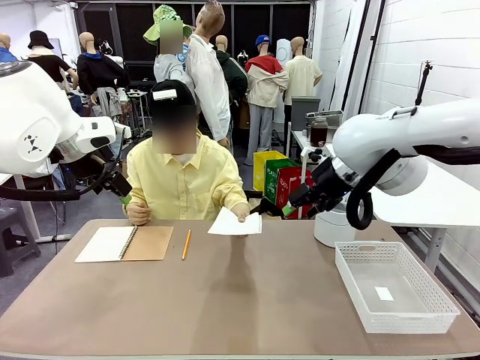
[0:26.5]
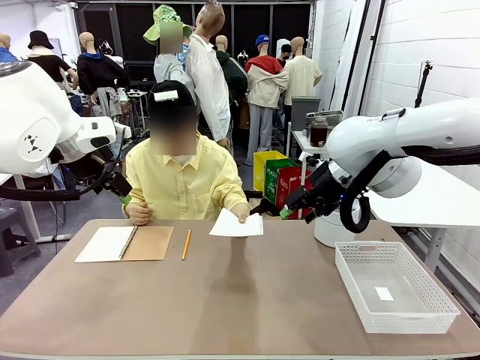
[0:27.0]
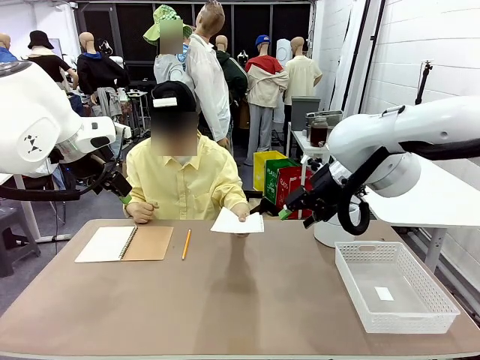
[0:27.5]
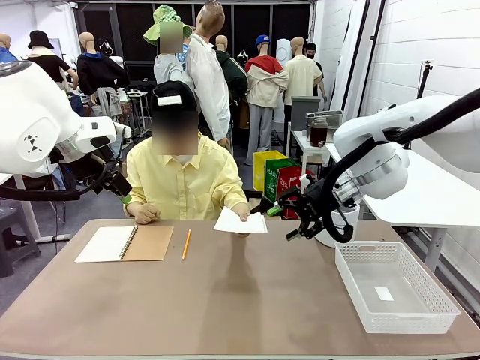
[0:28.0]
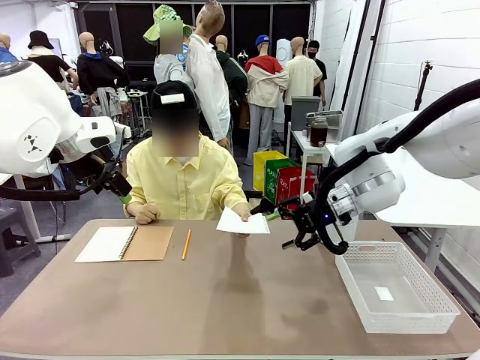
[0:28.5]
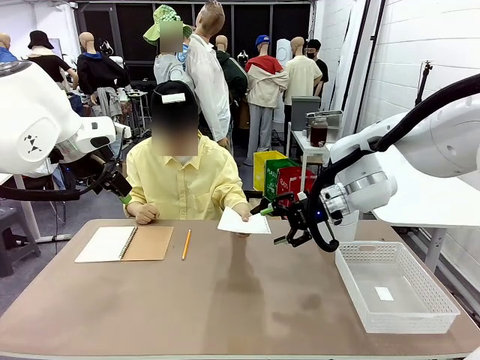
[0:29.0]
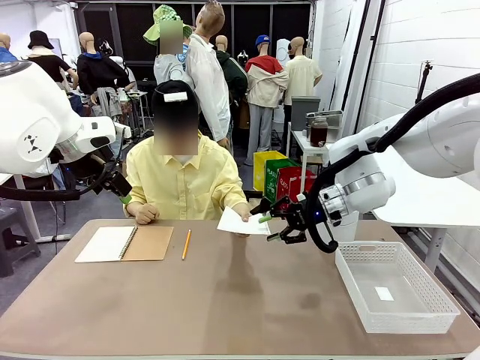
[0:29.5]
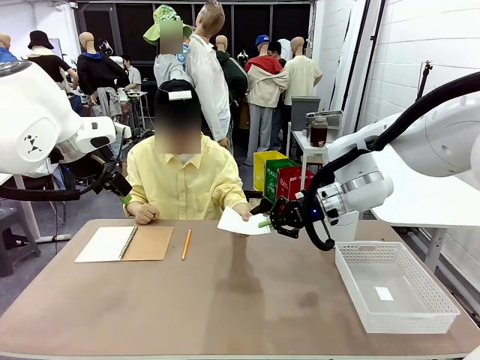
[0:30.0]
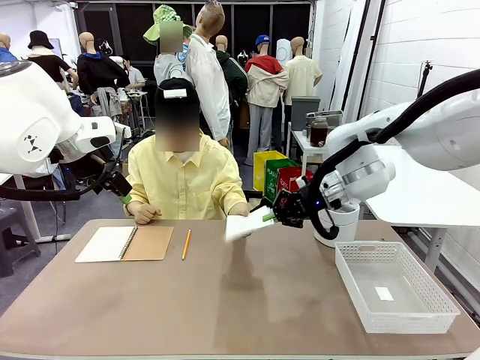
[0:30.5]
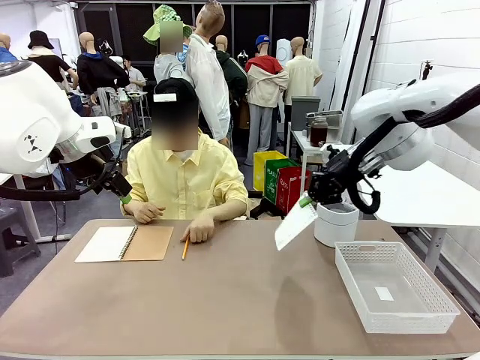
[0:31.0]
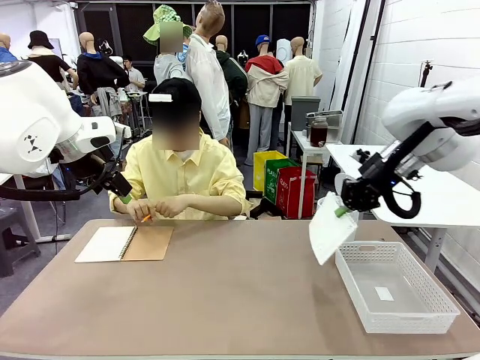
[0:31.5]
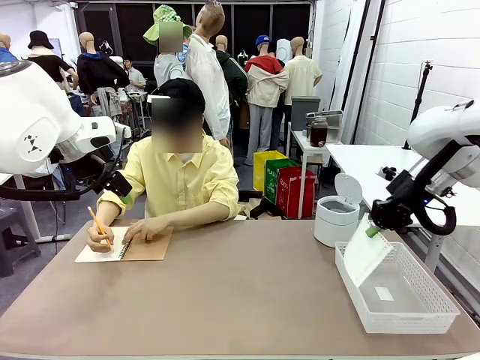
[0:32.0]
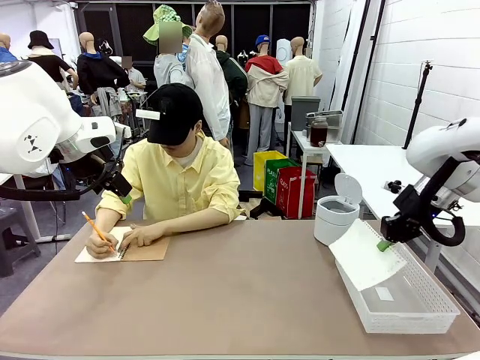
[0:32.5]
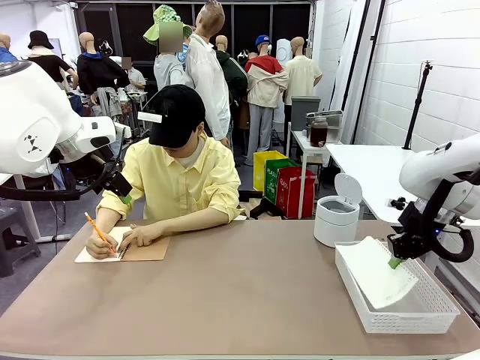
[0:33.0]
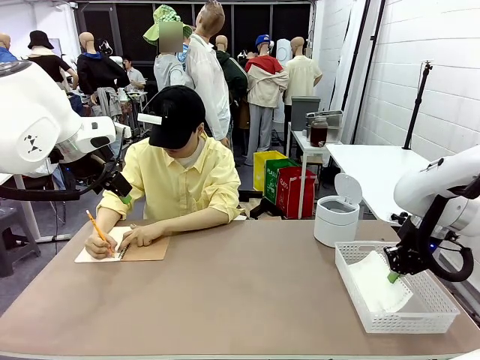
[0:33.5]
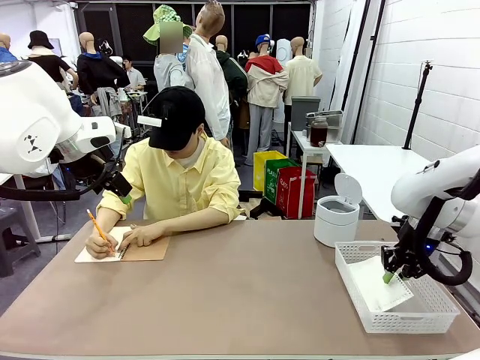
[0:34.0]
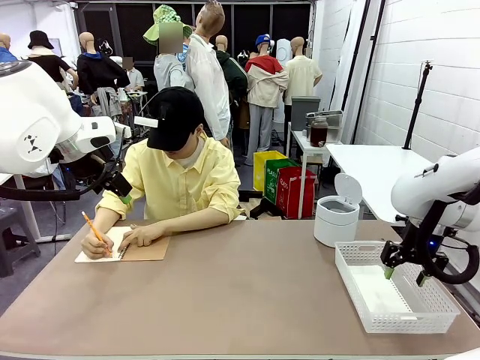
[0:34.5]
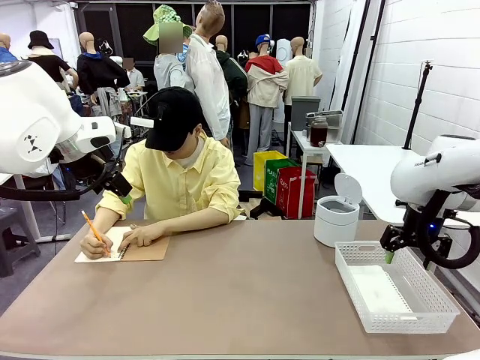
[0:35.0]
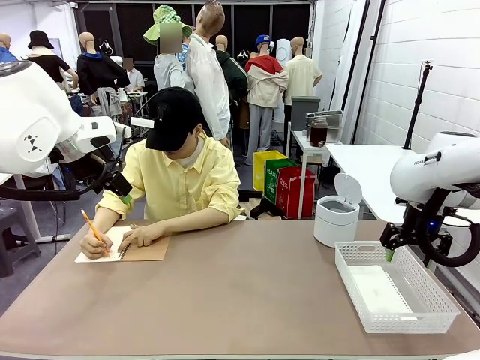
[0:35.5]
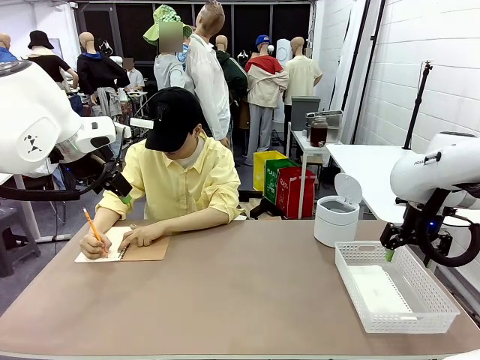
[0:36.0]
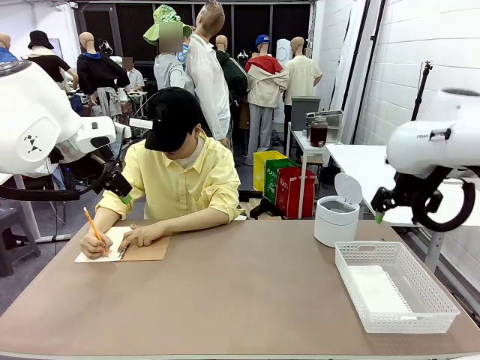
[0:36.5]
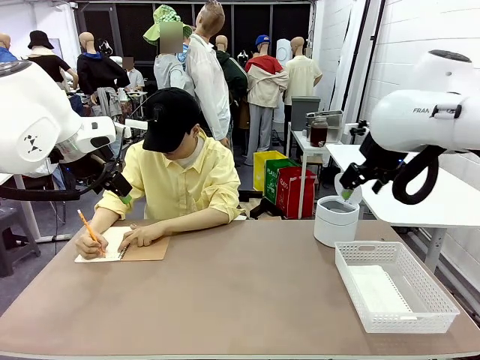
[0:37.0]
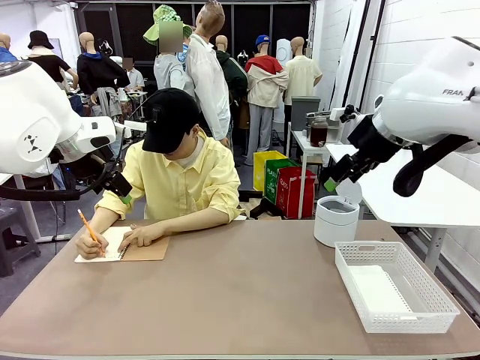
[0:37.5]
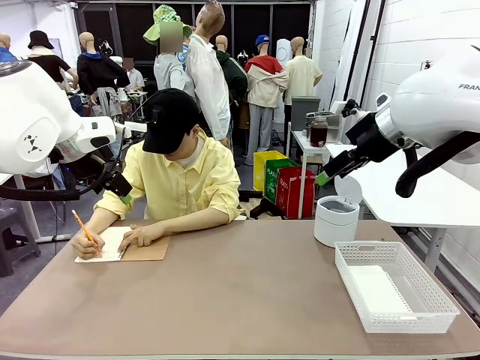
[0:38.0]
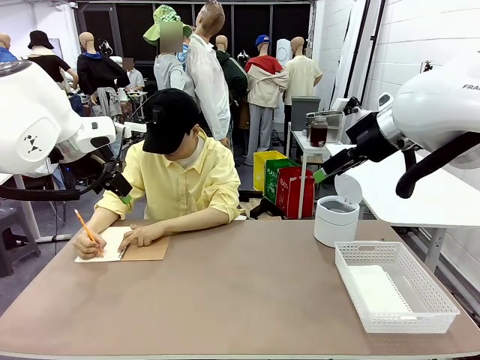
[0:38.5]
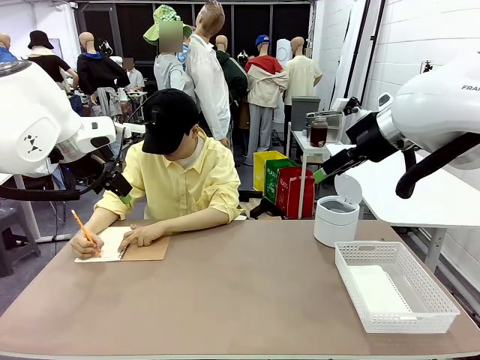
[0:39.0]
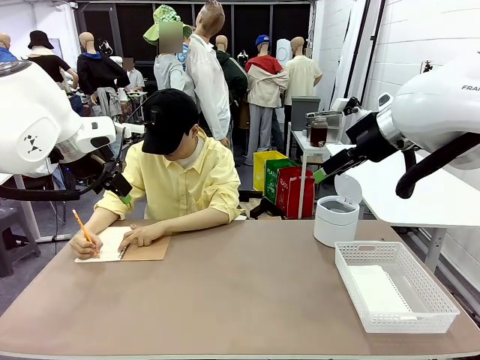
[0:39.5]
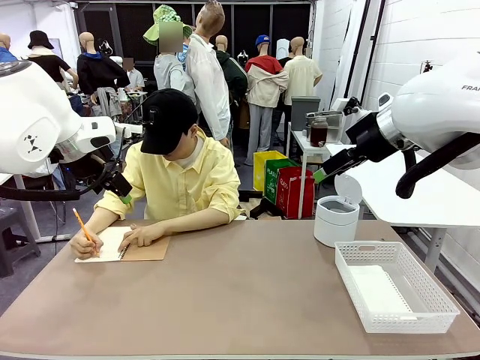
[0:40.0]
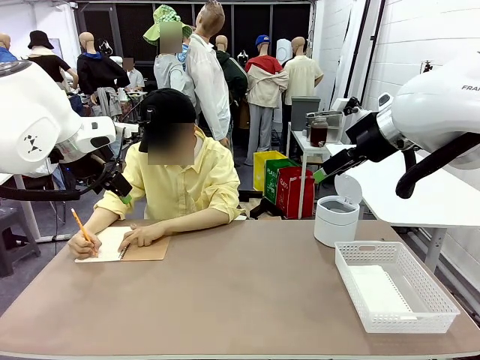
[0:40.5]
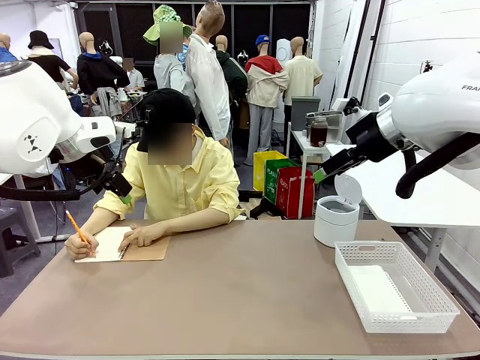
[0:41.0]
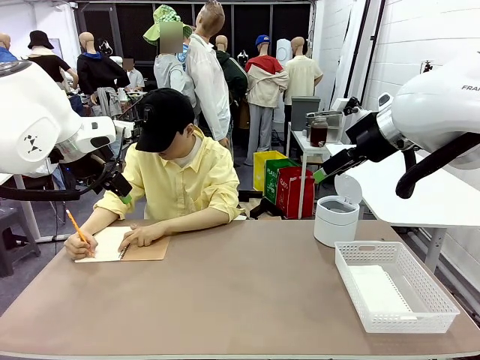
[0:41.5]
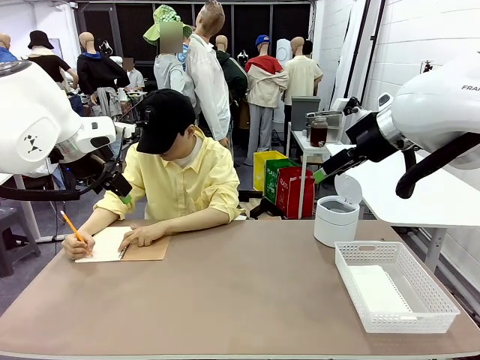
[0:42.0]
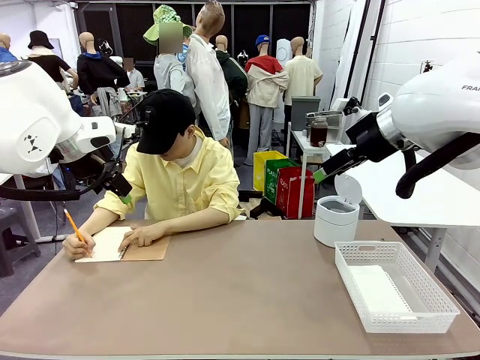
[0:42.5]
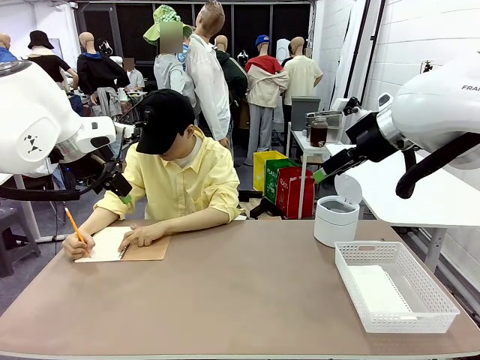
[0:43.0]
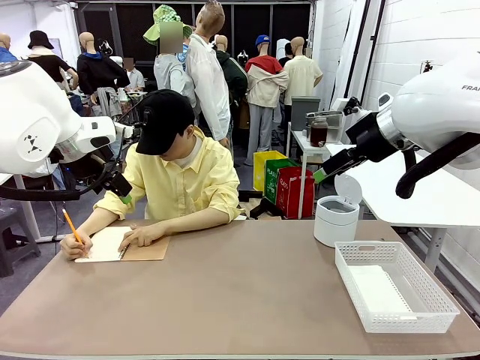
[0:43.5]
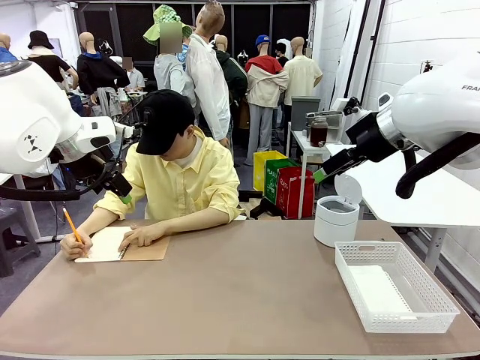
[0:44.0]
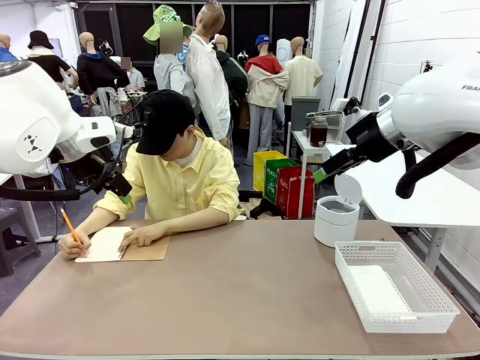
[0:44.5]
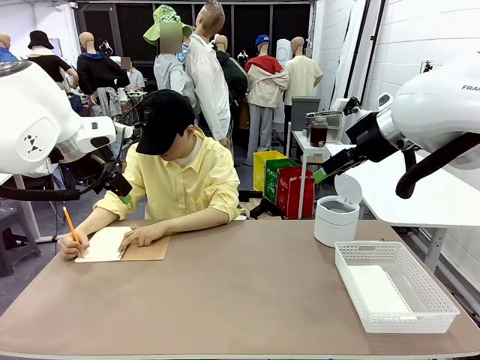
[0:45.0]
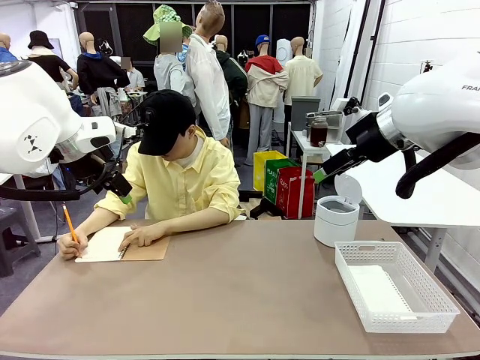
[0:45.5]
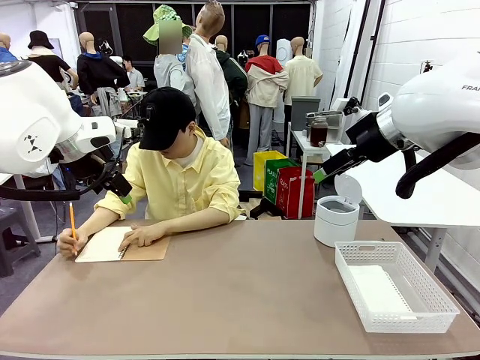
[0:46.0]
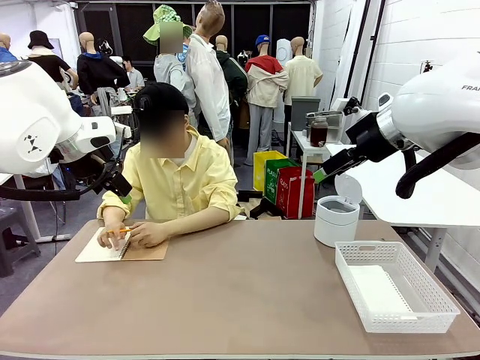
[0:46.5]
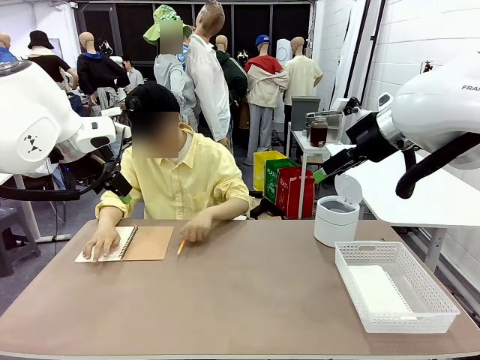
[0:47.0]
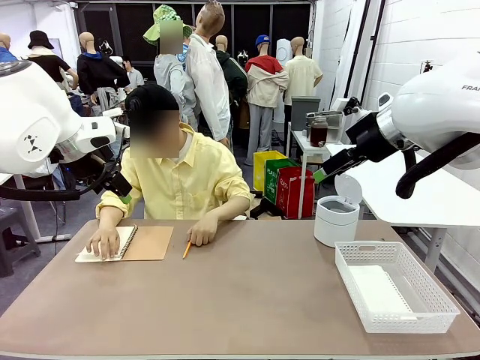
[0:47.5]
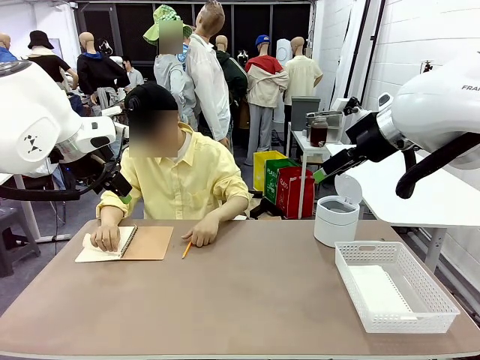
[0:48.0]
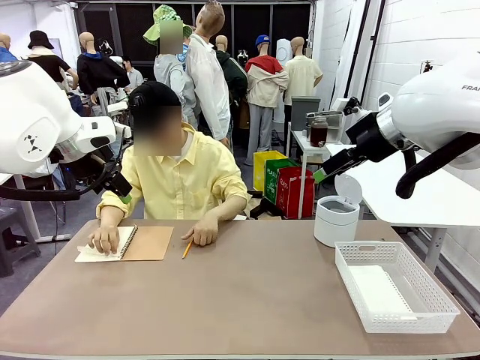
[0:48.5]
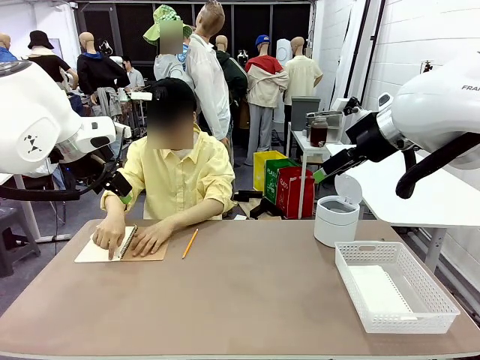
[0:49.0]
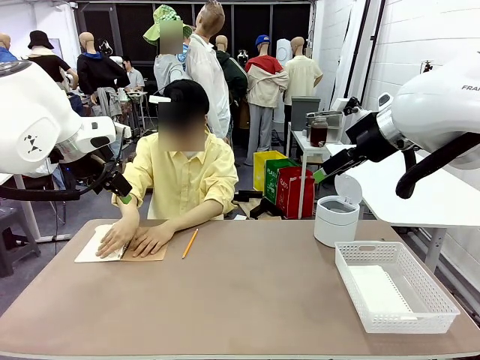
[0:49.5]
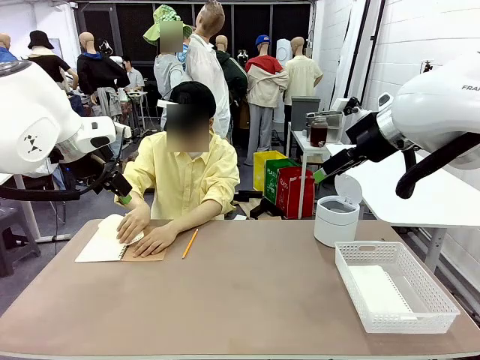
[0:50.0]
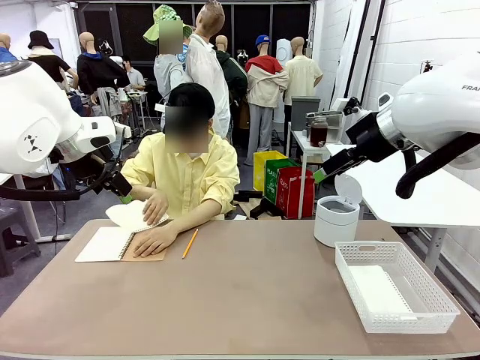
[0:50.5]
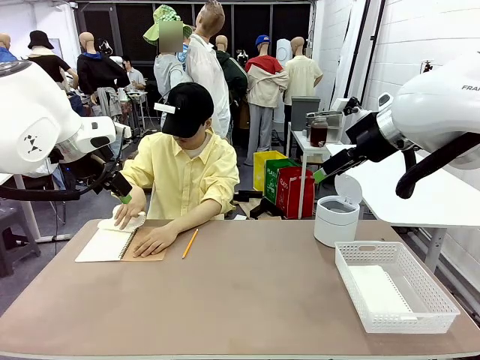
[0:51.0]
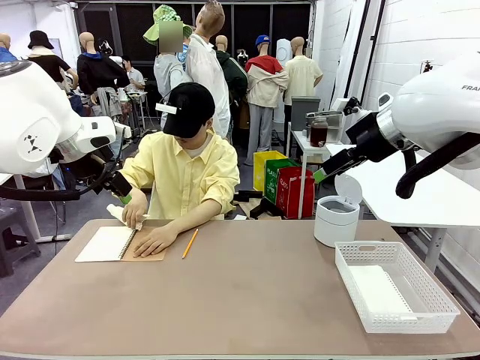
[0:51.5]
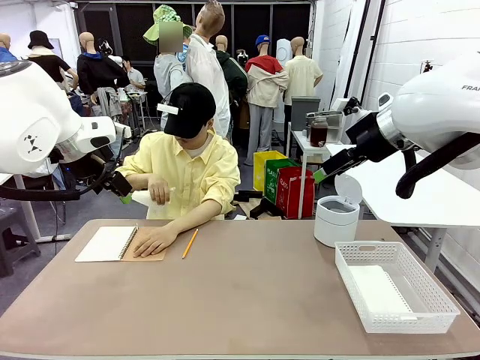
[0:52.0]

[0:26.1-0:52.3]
Task: Sort the paper based on its condition.
Robot: If a person hands you a paper, place it in the Organizing basket , and if it's crumpled, put it in the Trash can.
Person: Tear out a page from the spiral notebook.
